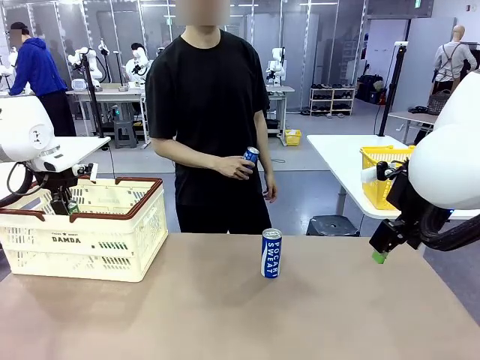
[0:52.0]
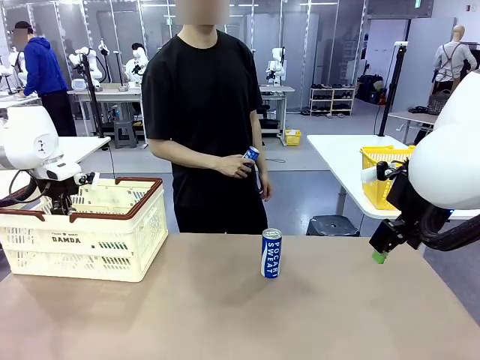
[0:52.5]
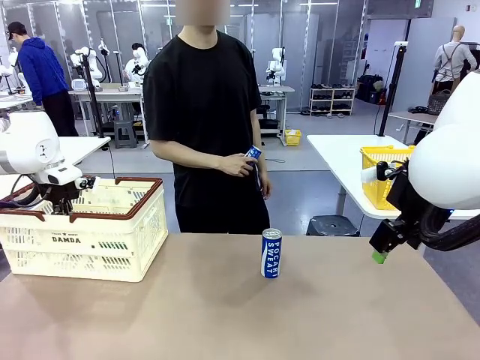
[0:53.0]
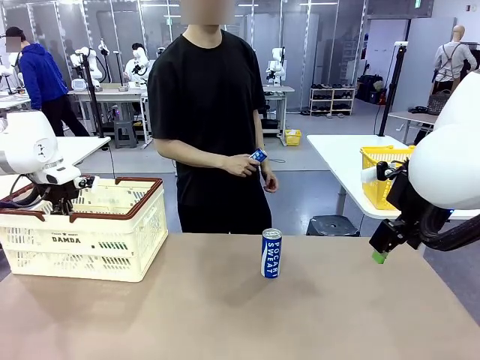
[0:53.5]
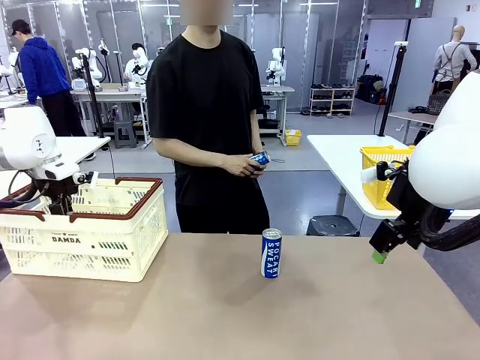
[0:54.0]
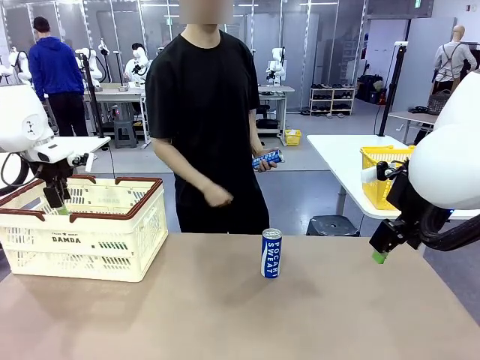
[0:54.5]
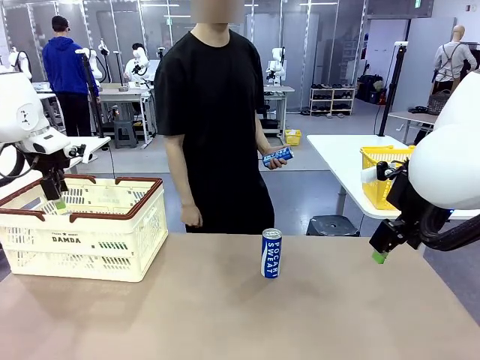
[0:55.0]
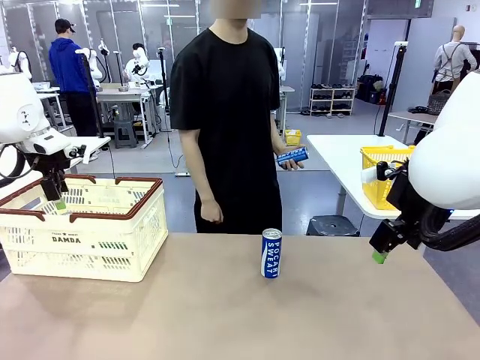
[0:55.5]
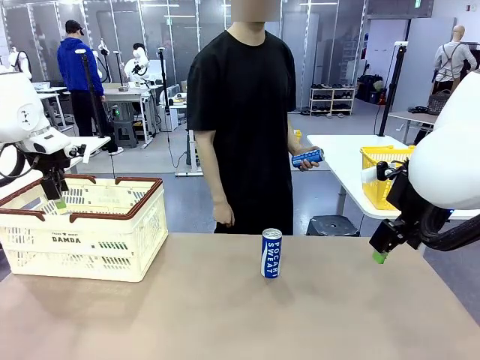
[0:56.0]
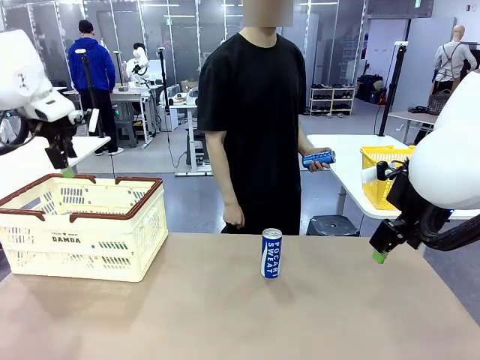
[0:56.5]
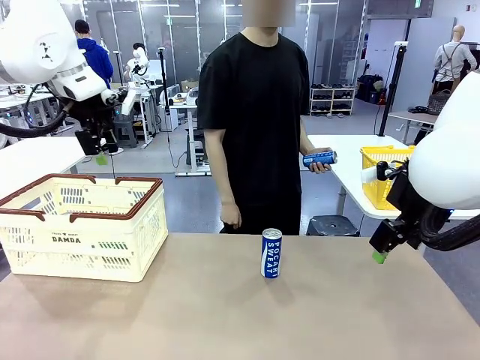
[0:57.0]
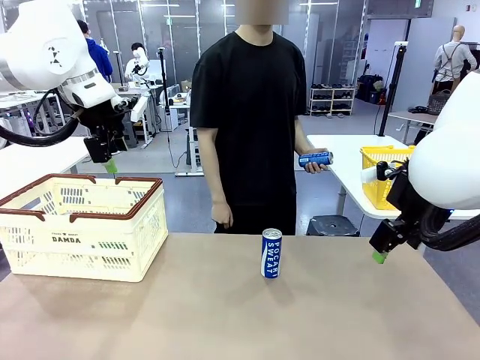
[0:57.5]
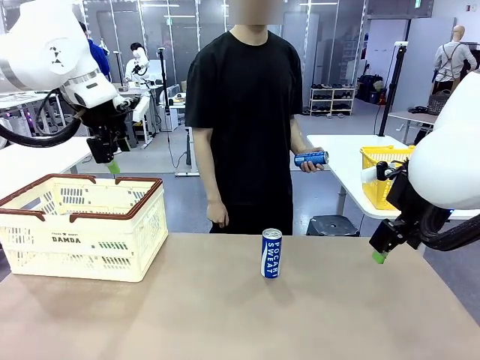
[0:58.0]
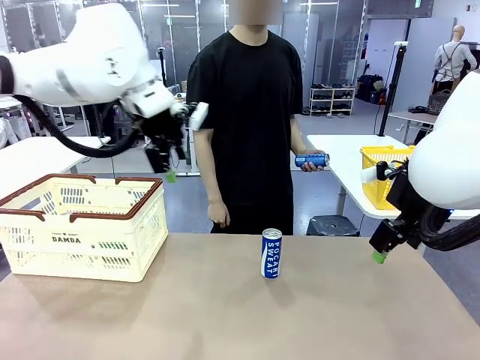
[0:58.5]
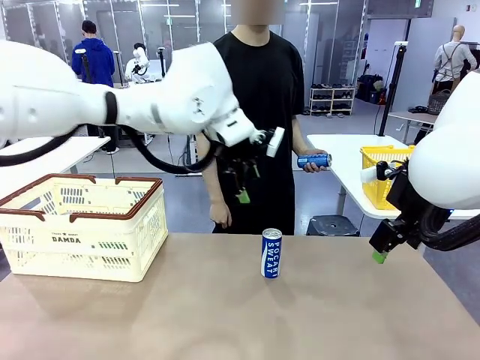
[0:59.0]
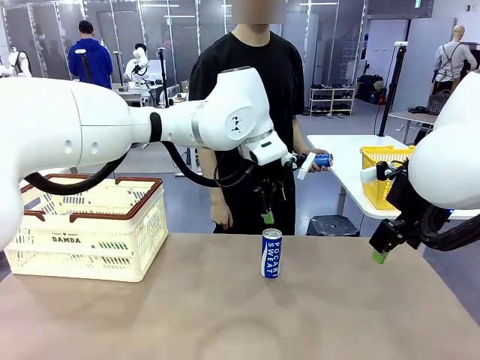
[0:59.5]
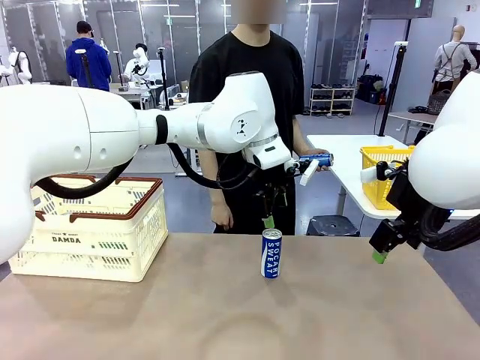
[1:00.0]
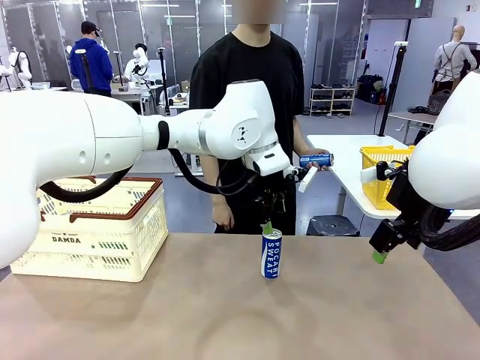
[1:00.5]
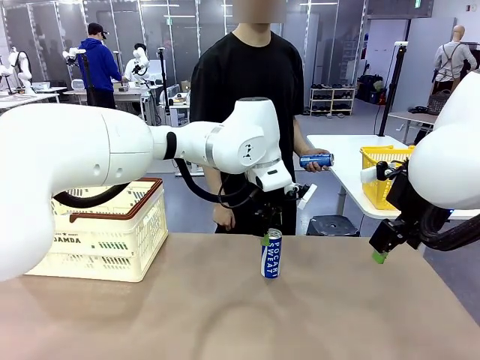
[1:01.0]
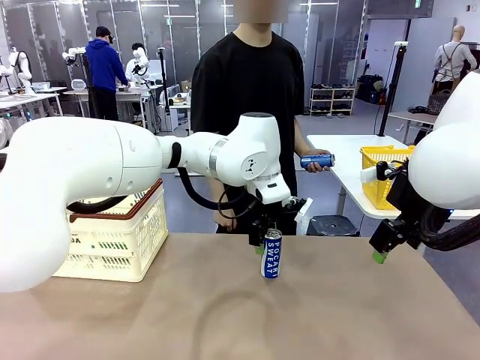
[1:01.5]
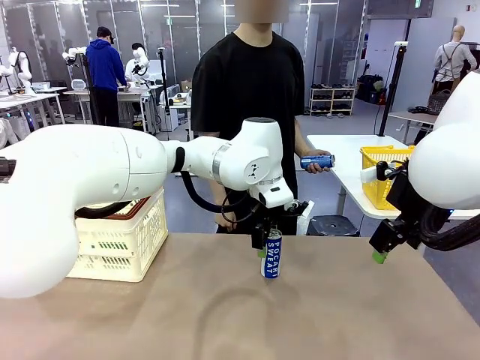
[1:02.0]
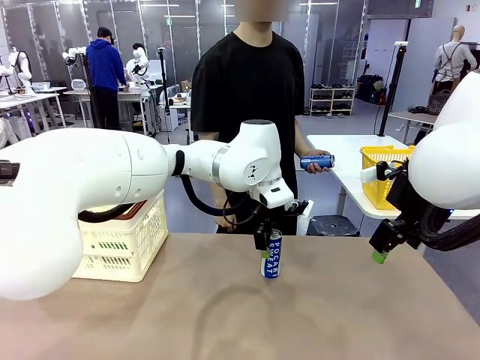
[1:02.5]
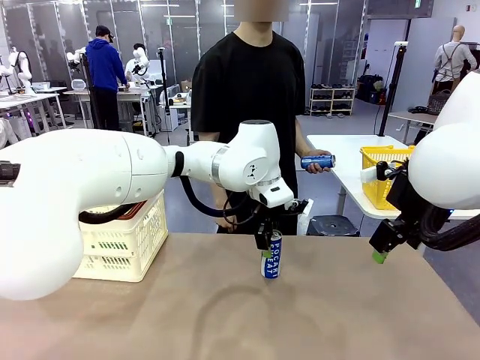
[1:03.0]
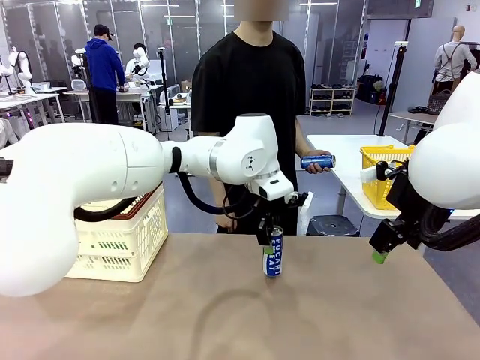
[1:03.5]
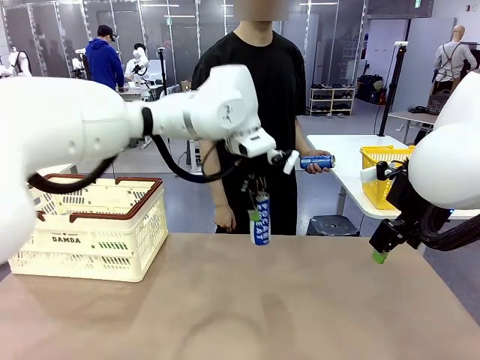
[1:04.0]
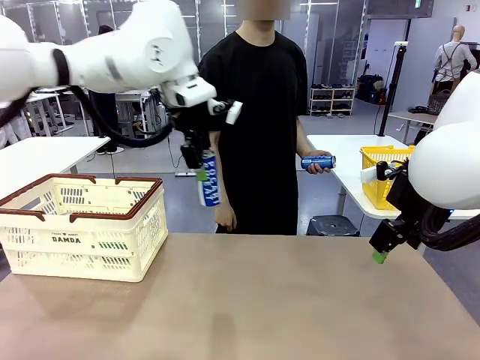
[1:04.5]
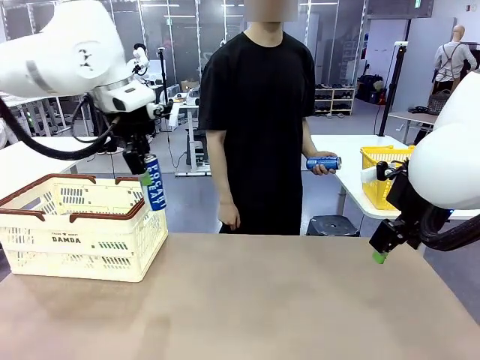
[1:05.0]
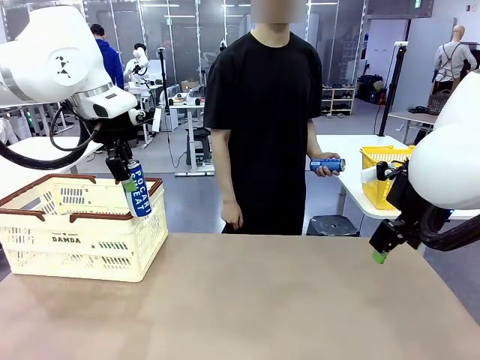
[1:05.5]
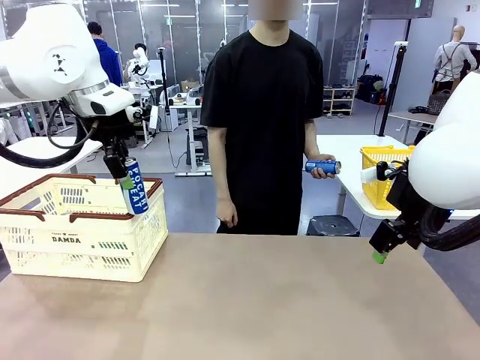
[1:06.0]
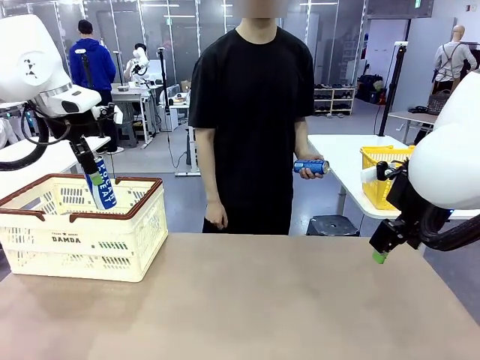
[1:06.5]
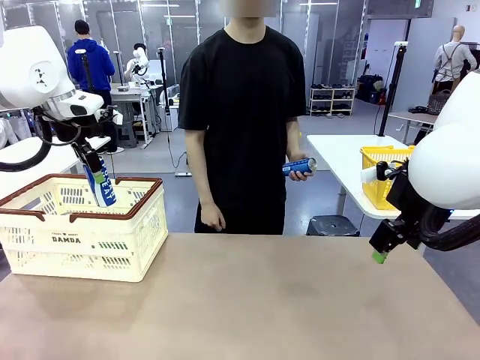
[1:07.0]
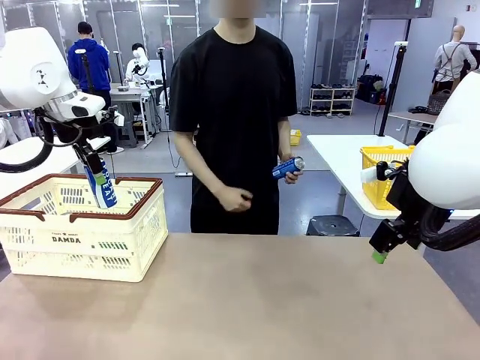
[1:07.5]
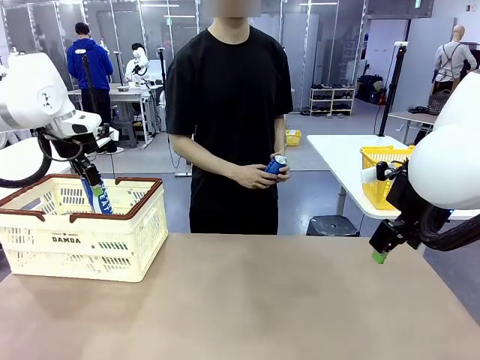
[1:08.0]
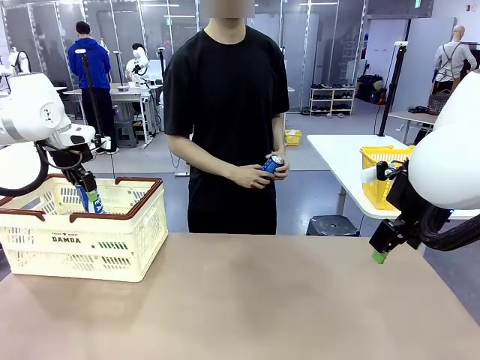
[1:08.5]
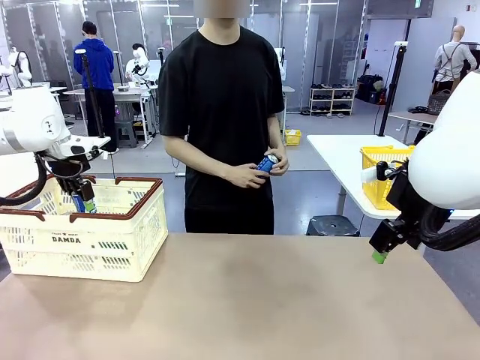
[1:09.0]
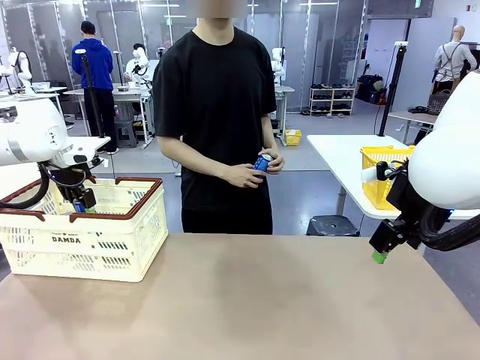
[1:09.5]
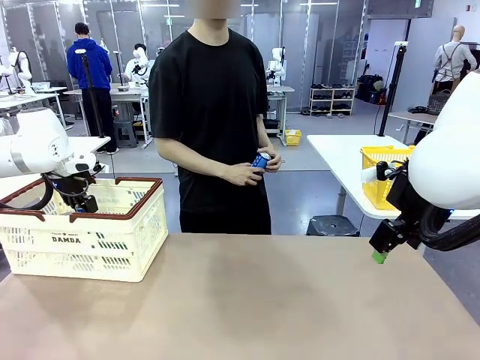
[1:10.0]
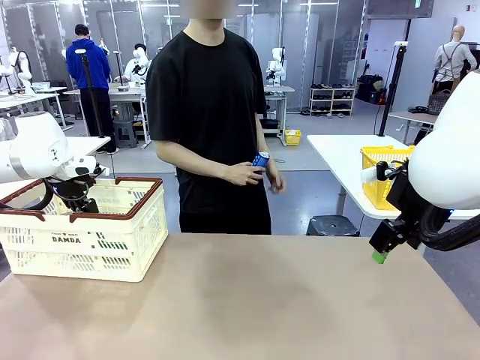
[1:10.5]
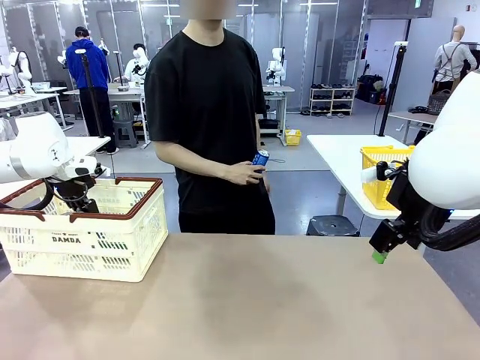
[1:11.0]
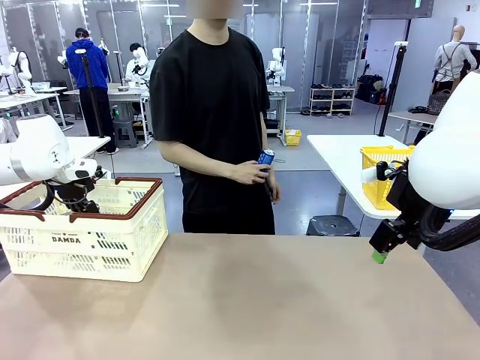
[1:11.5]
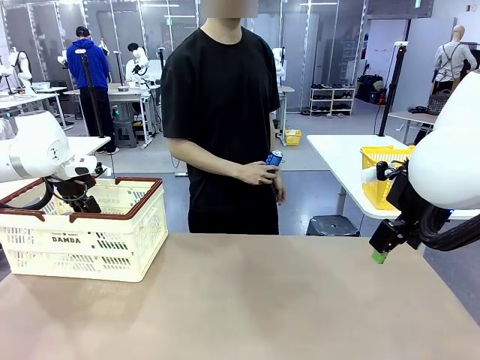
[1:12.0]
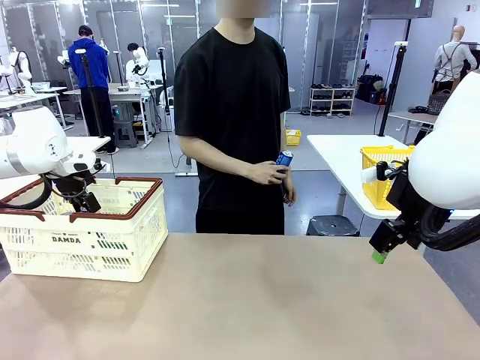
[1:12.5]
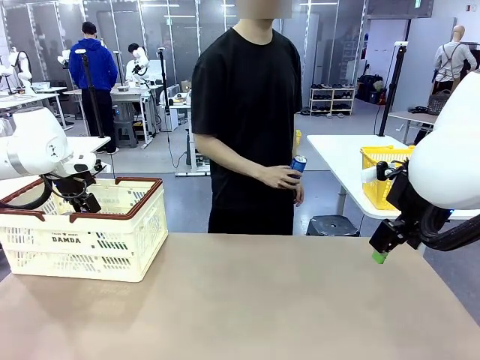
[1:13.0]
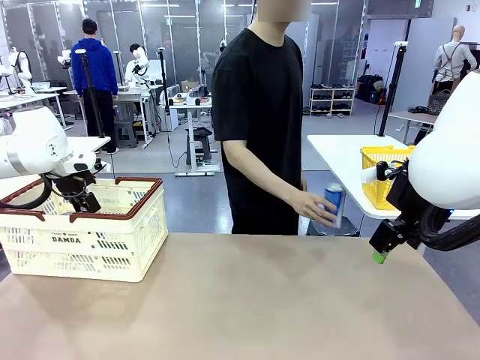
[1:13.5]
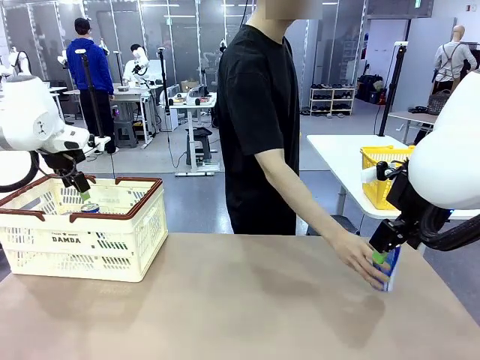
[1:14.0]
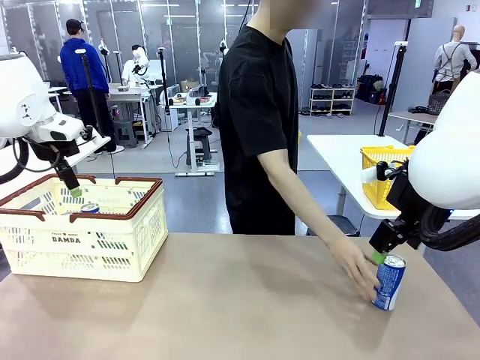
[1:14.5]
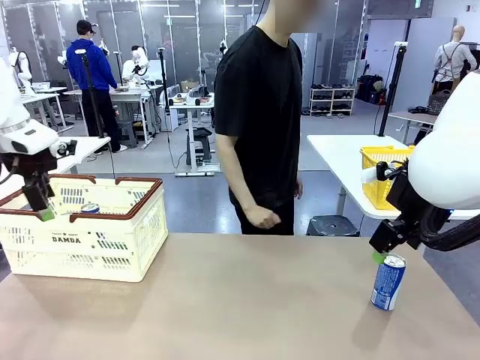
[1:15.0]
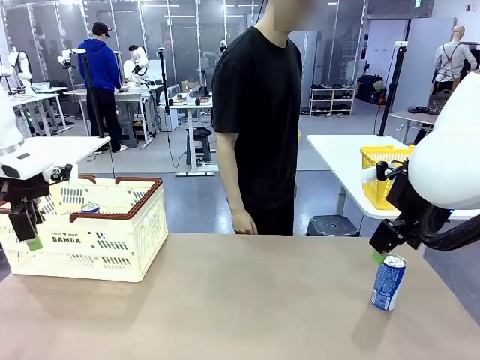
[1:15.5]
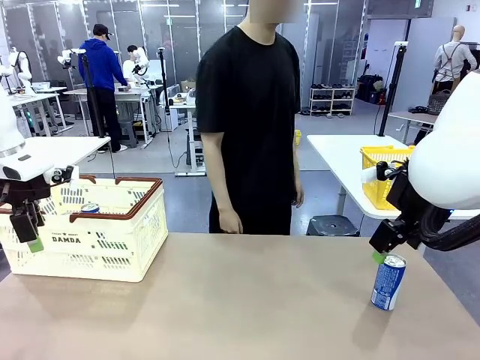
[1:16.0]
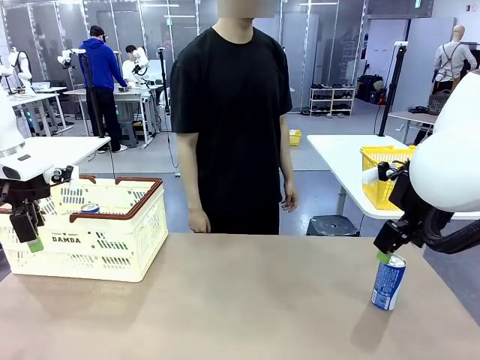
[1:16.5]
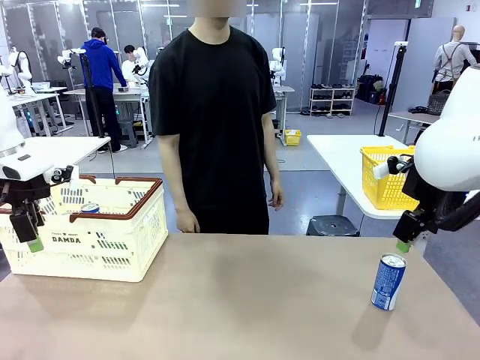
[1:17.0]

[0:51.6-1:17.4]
Task: Place the drinks into the Shopping basket.
Robot: Pick up one drink and place it into the Shopping basket.
